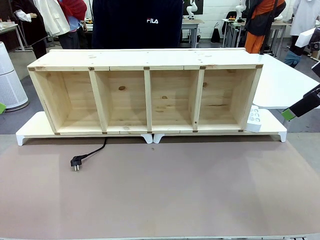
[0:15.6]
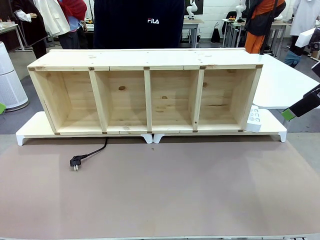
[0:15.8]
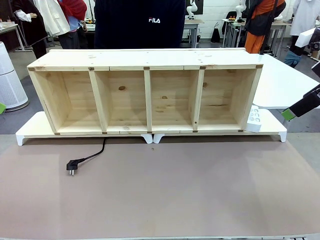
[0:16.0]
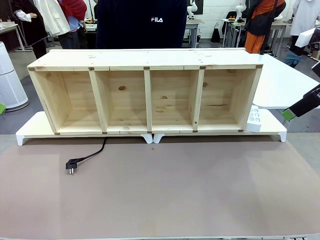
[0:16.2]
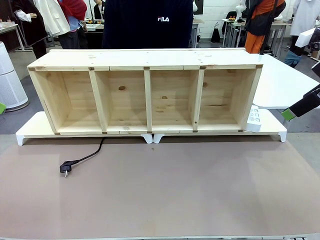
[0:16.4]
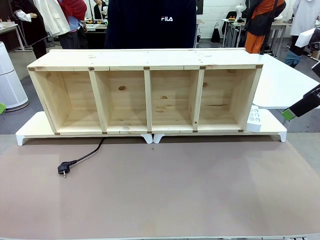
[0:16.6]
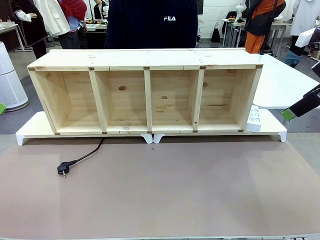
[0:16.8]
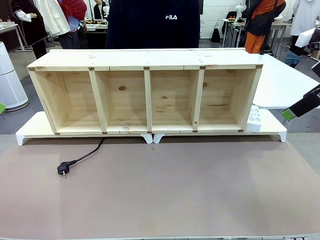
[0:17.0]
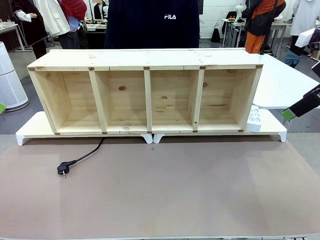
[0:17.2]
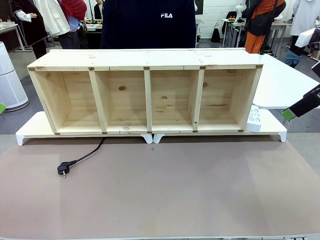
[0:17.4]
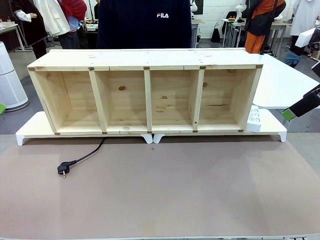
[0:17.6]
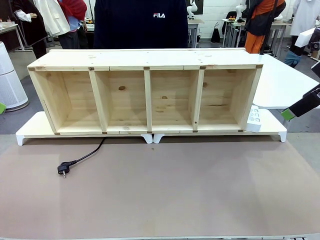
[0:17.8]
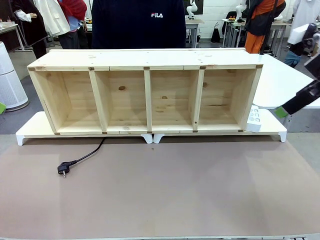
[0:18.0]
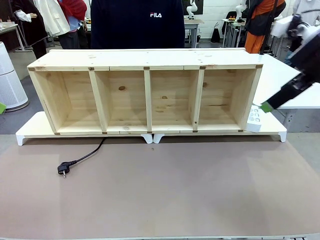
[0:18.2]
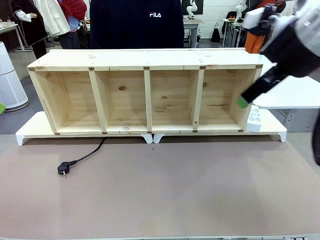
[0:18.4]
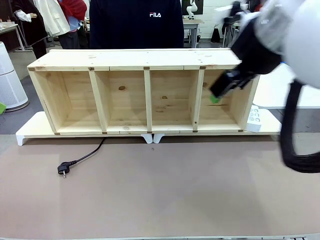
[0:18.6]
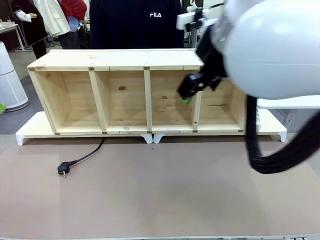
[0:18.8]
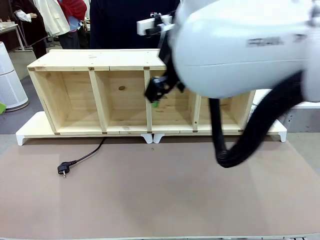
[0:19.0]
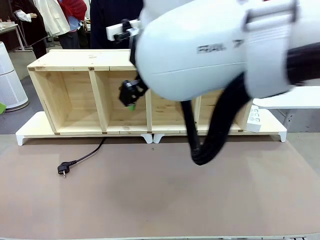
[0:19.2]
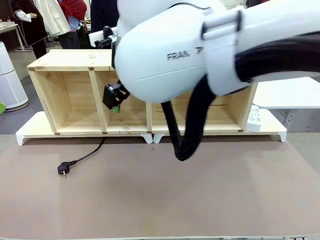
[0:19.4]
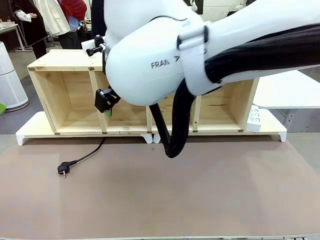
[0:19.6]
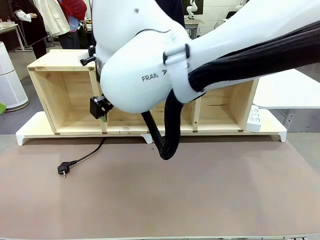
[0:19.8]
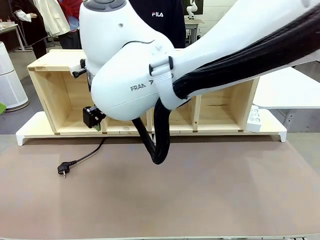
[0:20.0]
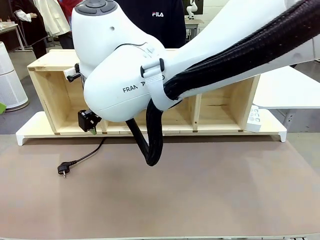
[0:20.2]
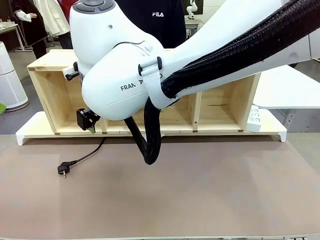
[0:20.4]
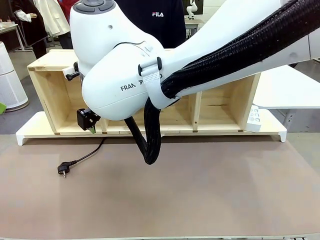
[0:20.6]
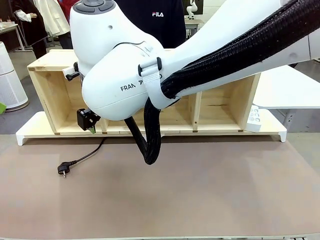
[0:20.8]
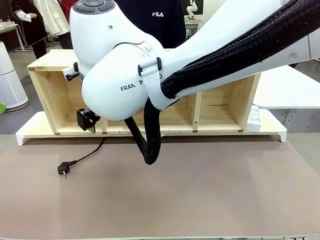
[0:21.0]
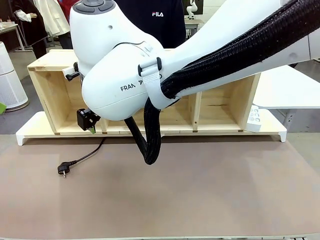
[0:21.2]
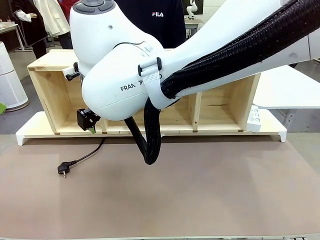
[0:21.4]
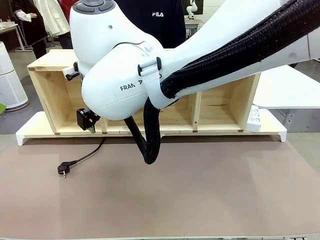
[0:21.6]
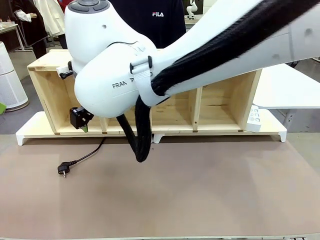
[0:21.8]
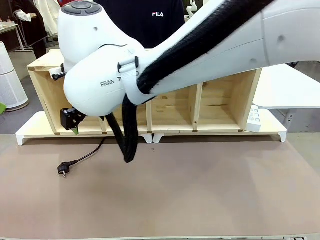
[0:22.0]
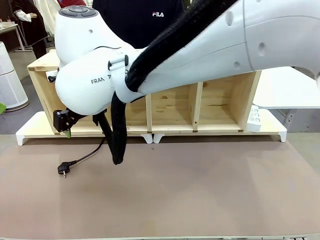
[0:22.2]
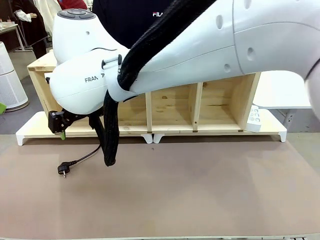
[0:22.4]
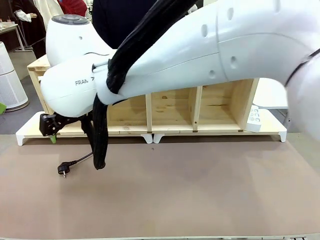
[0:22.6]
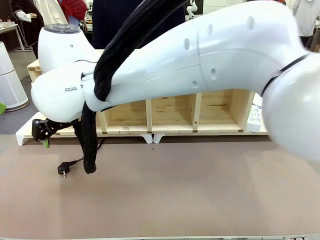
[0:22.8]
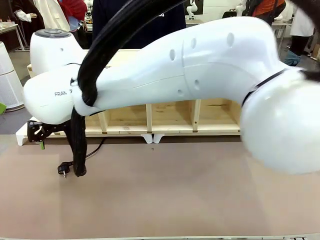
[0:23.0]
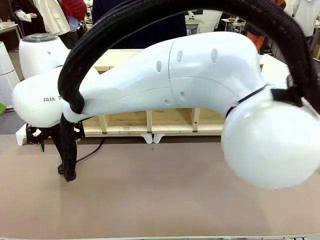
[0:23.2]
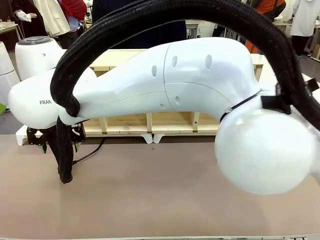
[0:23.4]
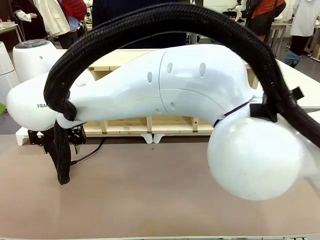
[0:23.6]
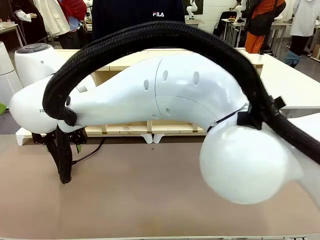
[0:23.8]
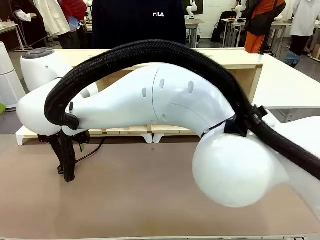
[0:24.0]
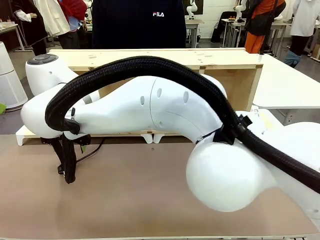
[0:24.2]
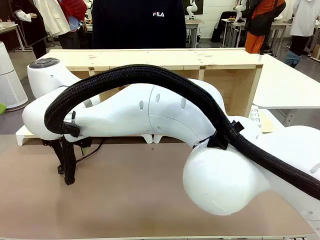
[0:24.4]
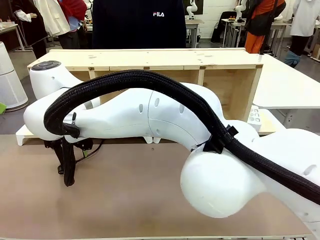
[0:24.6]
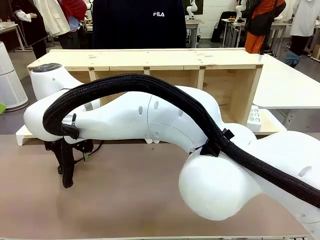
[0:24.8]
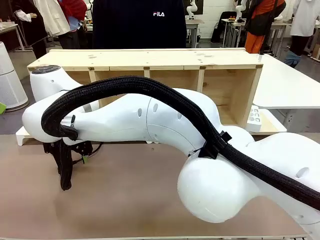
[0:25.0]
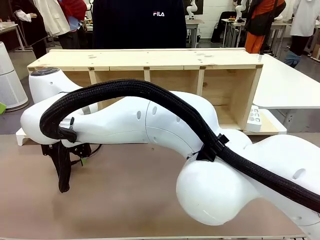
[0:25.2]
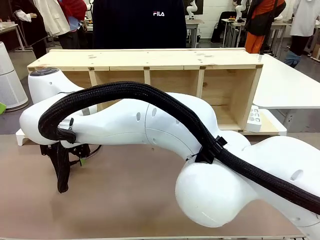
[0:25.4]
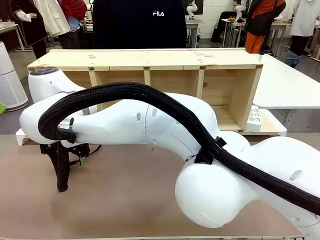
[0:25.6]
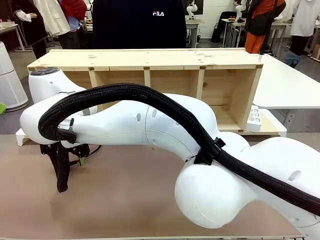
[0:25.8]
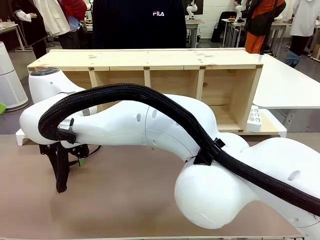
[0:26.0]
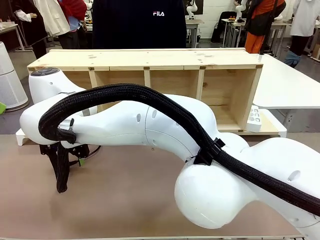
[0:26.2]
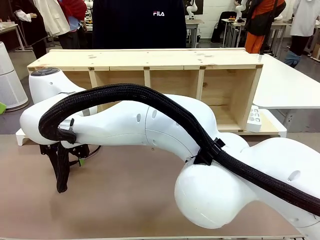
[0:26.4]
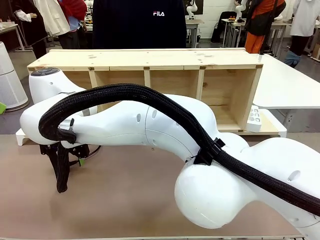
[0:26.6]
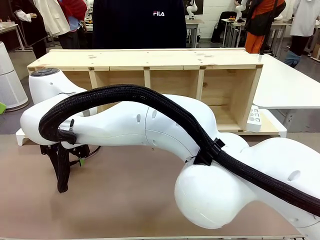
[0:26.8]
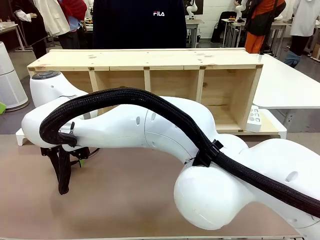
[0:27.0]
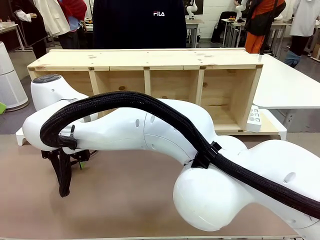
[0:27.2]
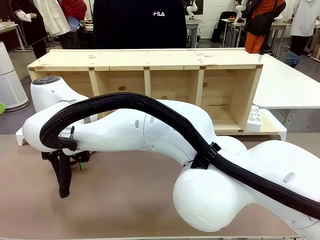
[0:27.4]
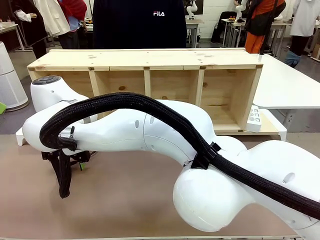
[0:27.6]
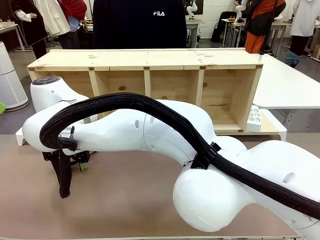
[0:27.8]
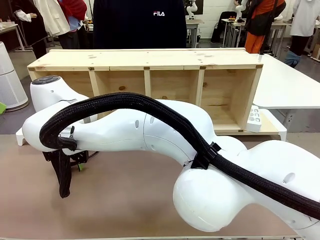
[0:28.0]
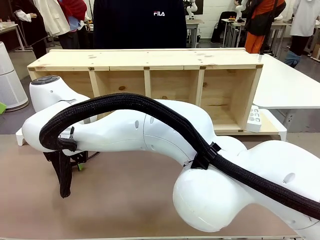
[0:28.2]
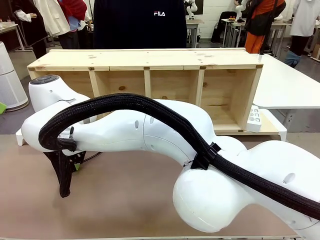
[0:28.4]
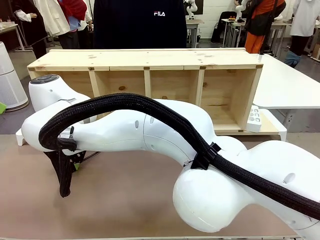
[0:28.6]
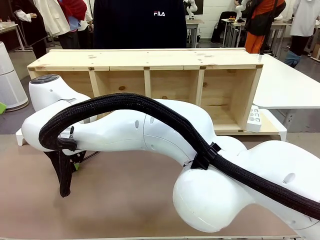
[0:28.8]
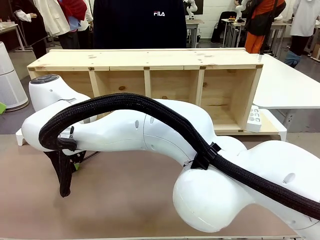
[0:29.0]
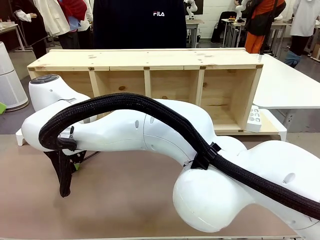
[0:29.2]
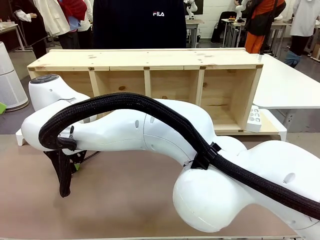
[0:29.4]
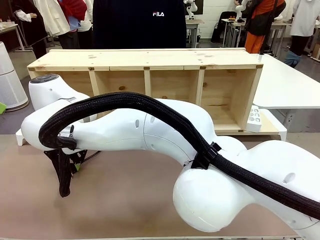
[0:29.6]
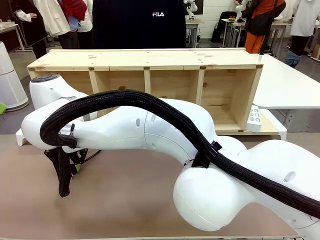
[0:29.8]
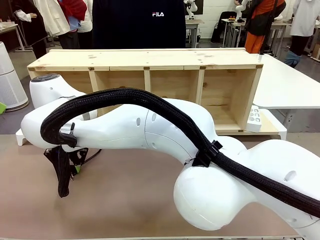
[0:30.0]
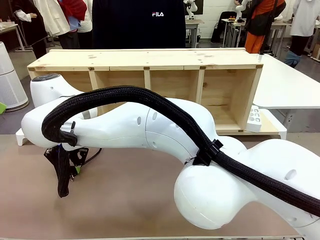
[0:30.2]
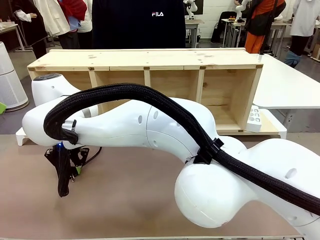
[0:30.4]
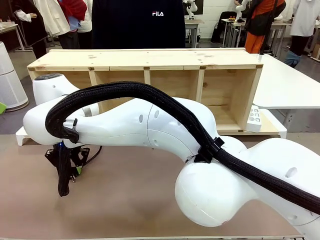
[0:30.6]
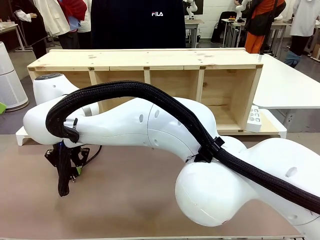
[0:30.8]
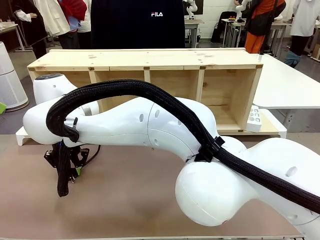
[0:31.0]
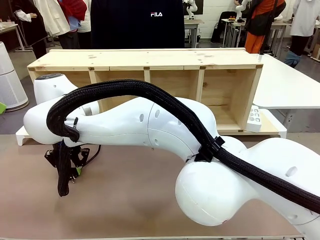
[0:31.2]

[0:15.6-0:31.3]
Task: Perform cable management.
Robot: When the cord part of the Power Cable appears at the lower middle area of the table and stops, grasp the cord part of the Power Cable.
